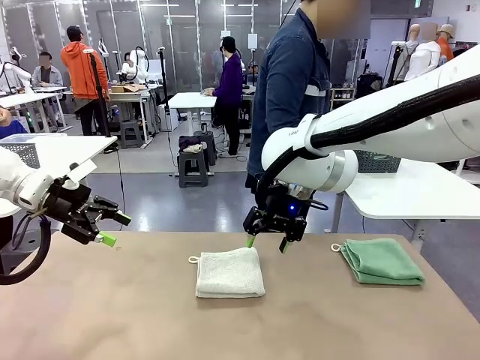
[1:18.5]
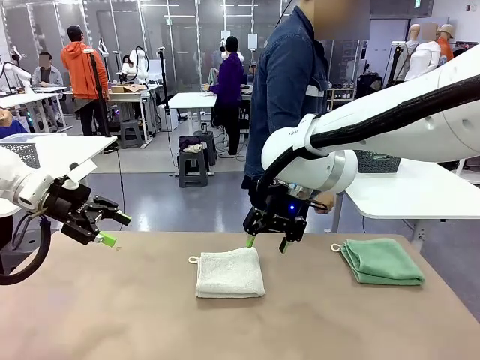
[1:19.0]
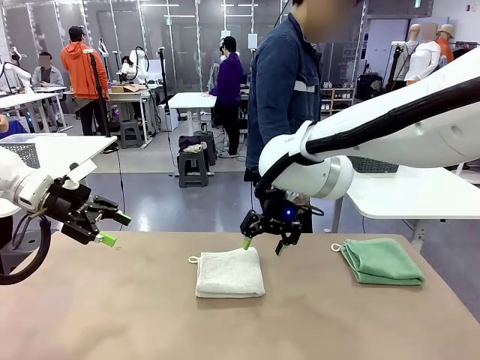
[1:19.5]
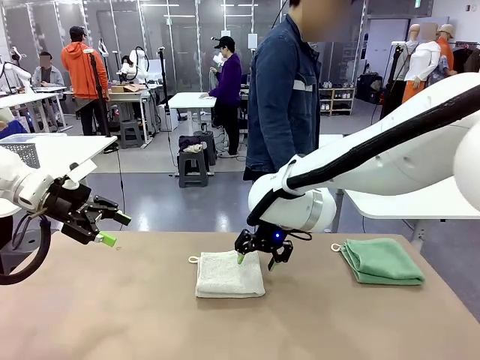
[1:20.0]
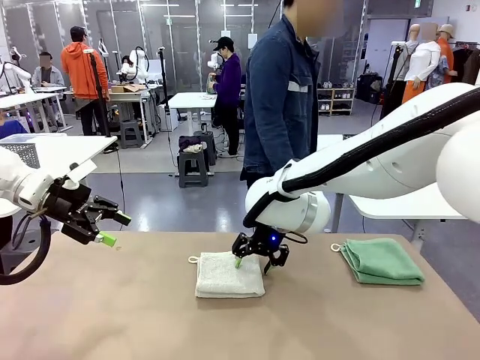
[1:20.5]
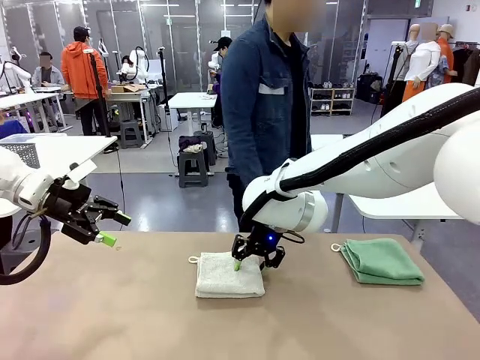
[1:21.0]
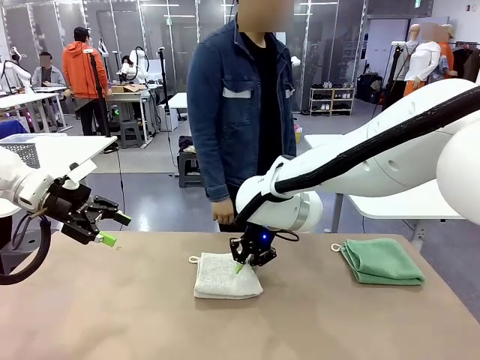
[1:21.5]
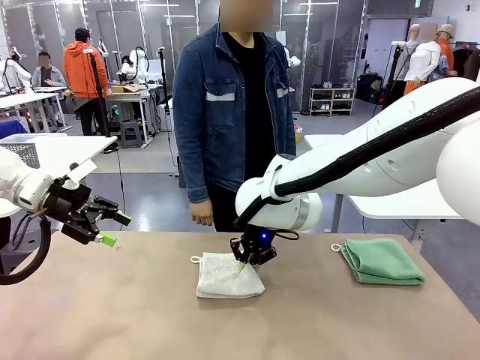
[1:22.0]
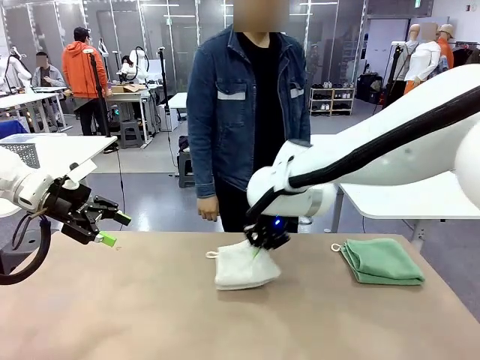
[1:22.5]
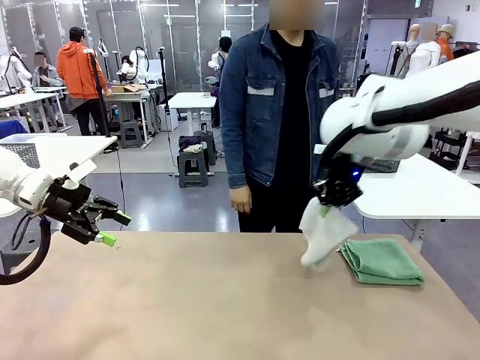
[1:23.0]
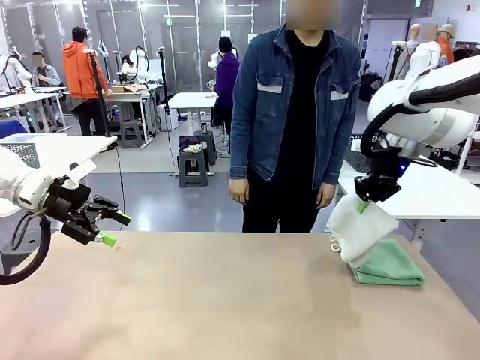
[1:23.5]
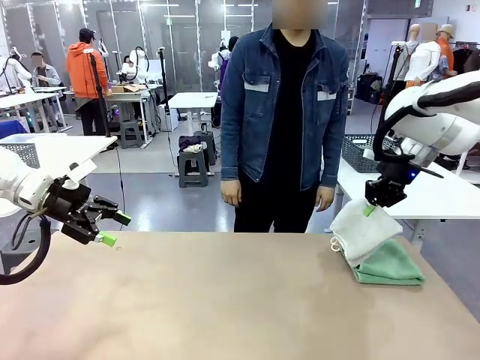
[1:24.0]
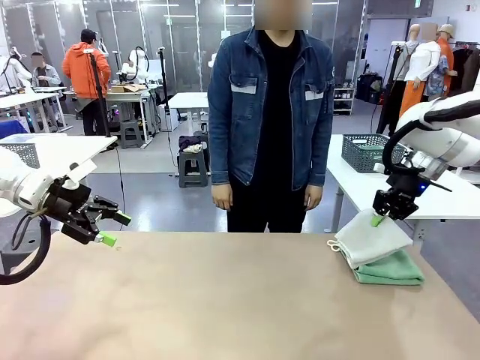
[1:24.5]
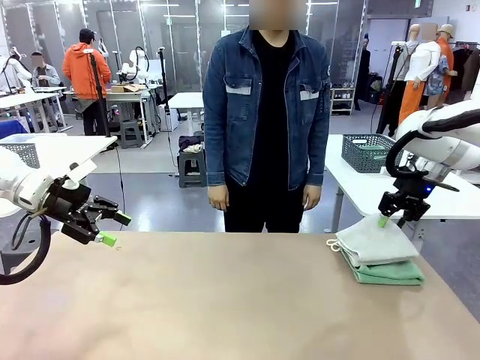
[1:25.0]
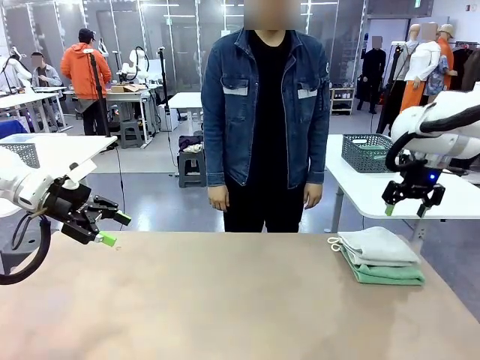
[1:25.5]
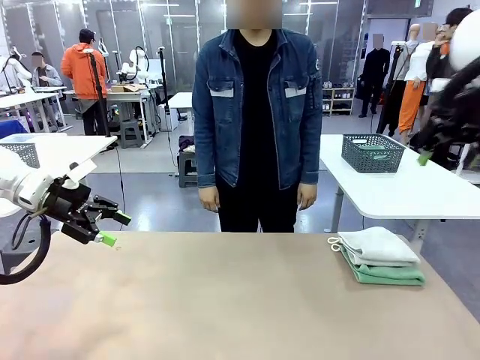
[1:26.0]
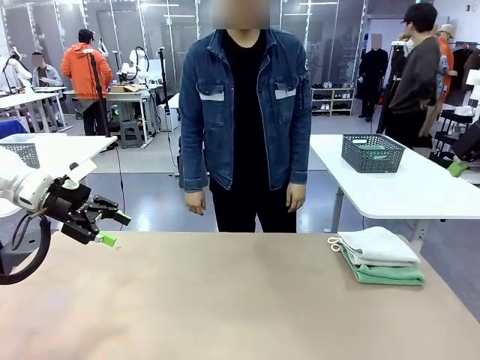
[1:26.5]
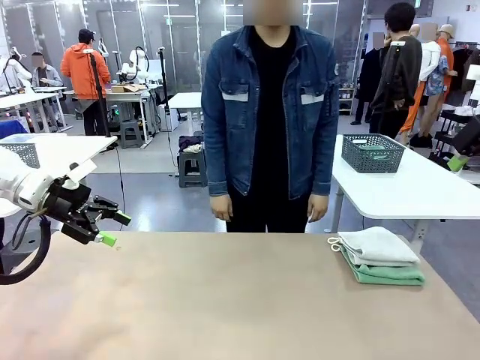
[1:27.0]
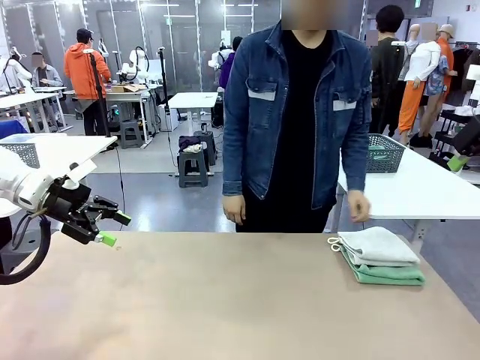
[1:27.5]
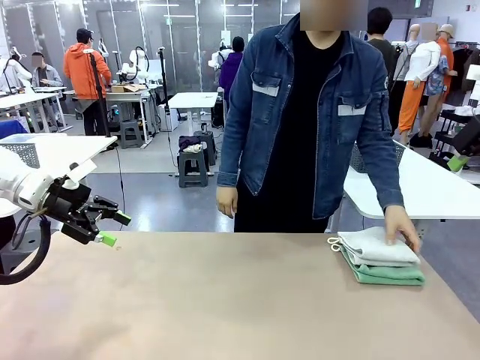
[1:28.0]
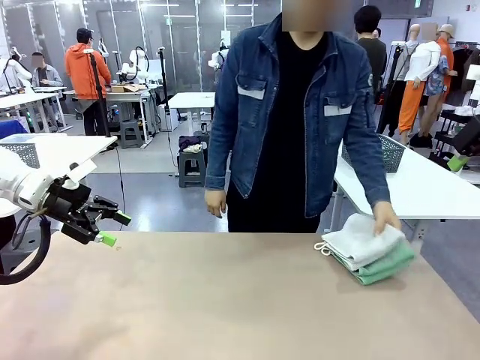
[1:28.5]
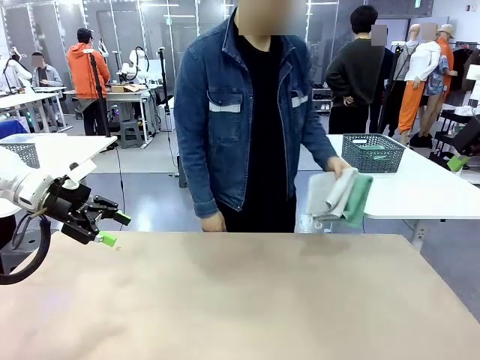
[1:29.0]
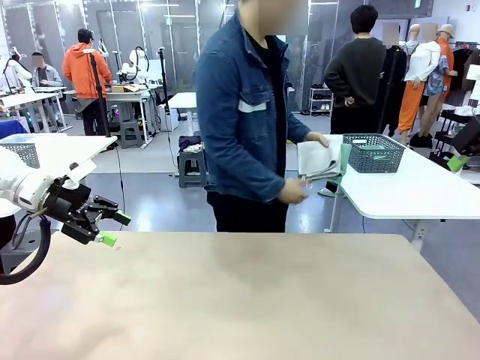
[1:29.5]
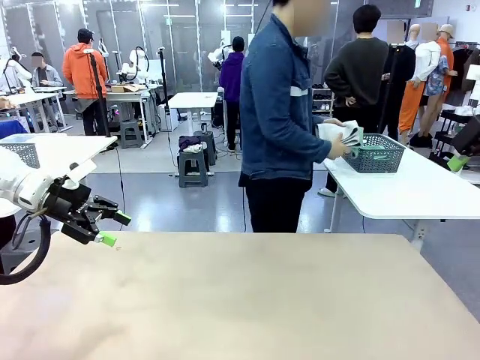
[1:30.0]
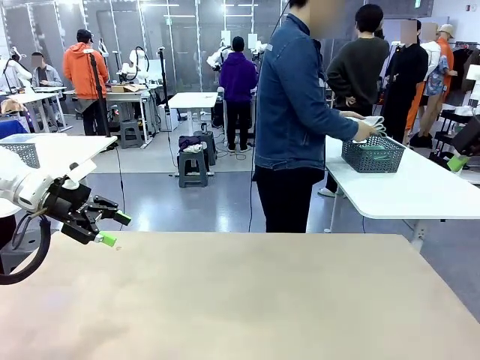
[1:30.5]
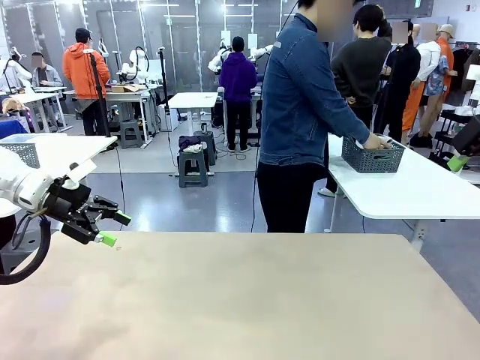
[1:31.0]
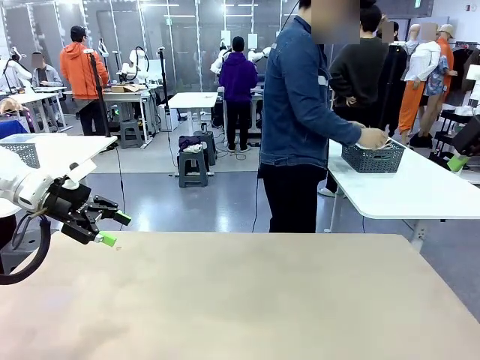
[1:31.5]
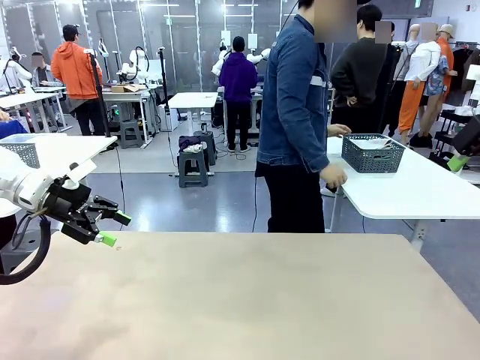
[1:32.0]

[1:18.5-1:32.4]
Task: Fold the towels and place them in the basket.
Robot: Stack the folded Towel with hook on the right side of the table.
Person: Pick up the stack of towels from the robot table and place it into the basket.

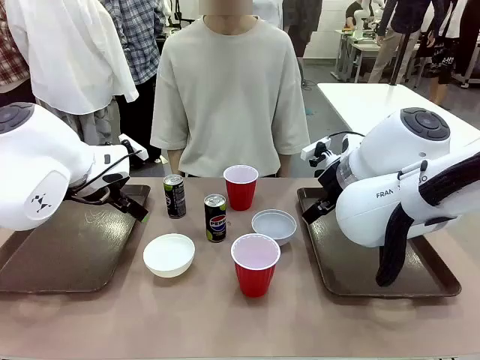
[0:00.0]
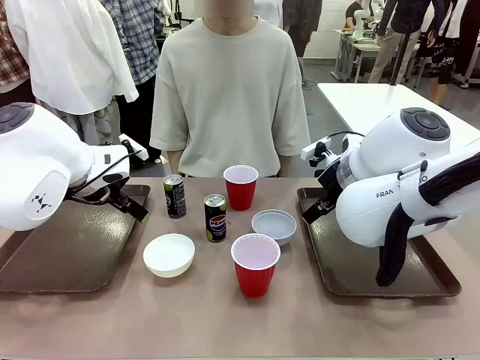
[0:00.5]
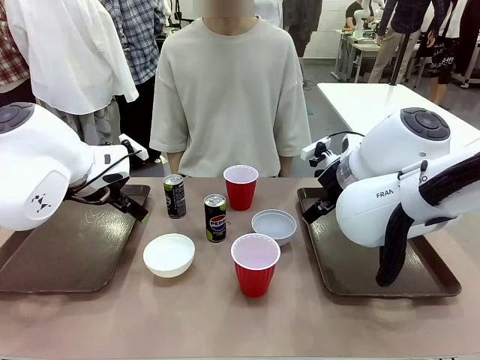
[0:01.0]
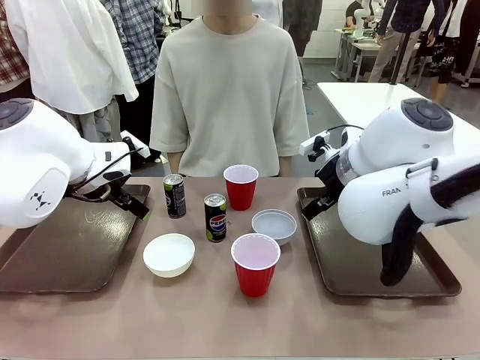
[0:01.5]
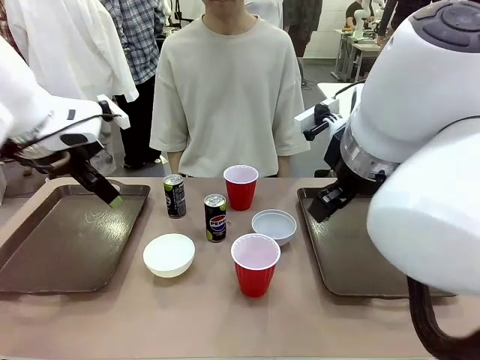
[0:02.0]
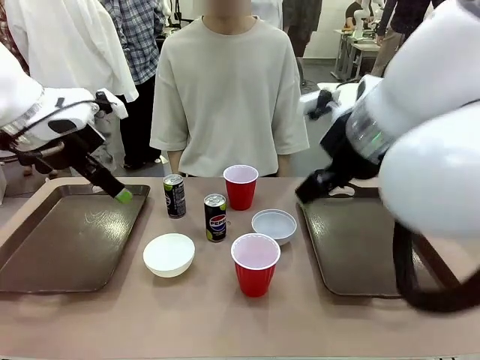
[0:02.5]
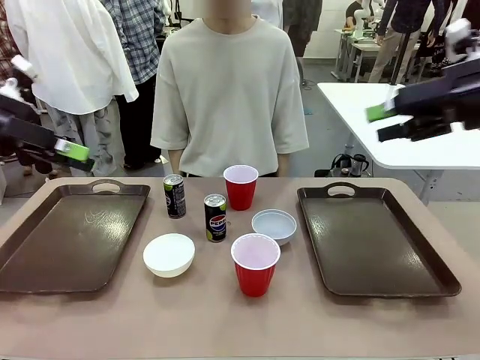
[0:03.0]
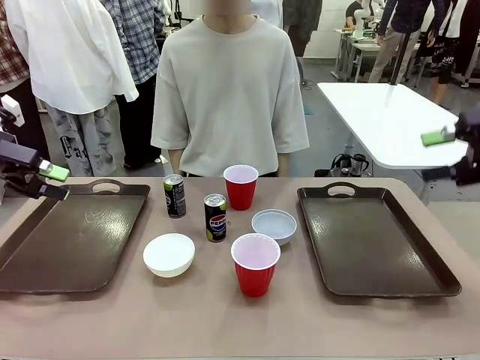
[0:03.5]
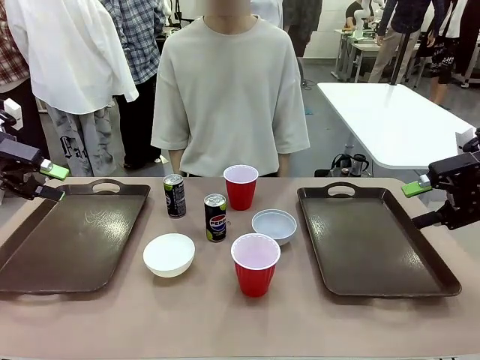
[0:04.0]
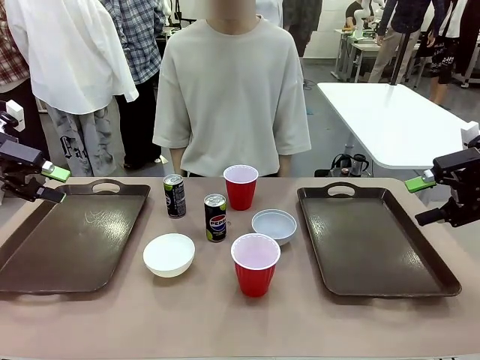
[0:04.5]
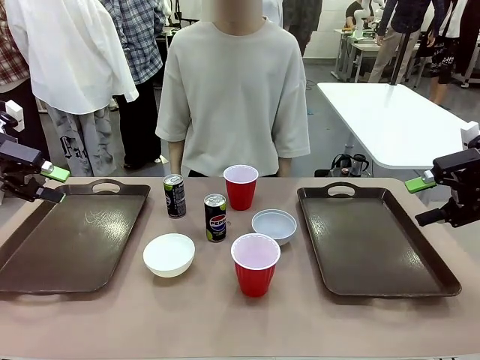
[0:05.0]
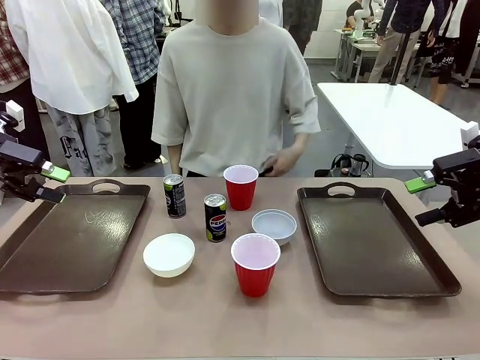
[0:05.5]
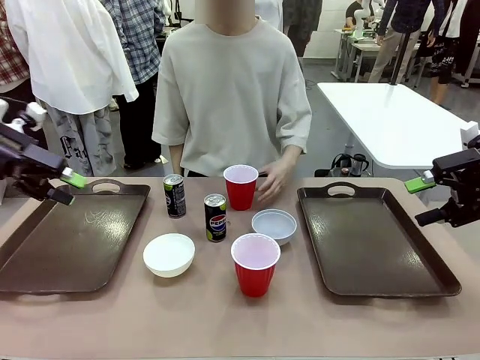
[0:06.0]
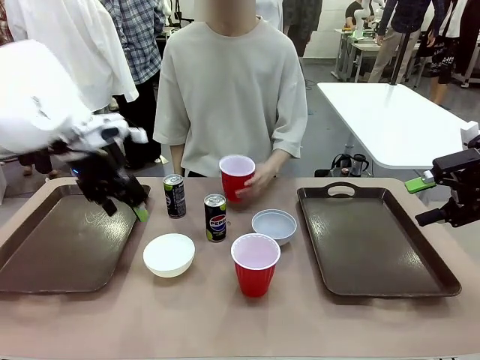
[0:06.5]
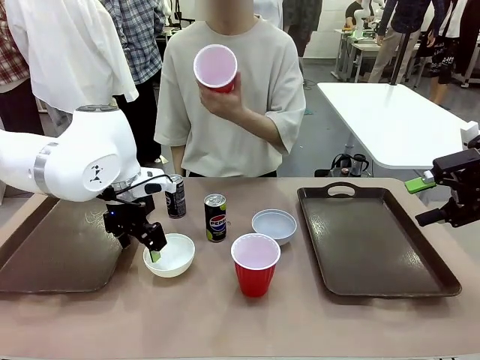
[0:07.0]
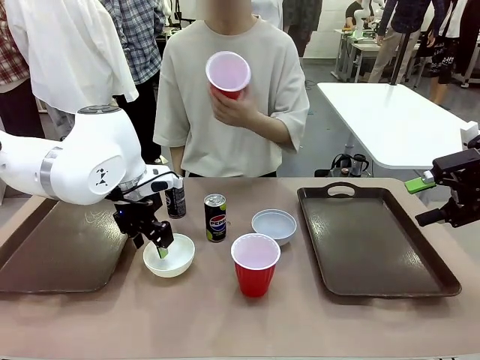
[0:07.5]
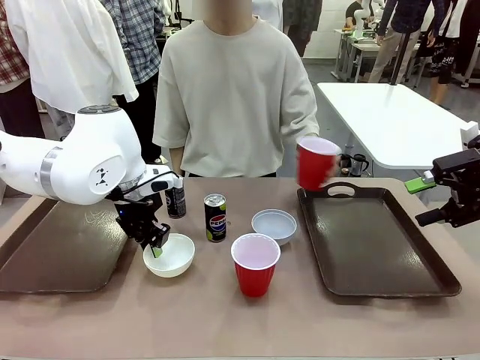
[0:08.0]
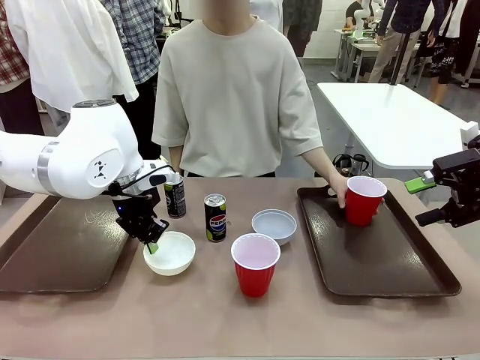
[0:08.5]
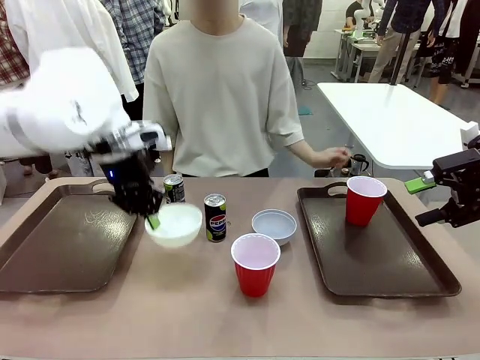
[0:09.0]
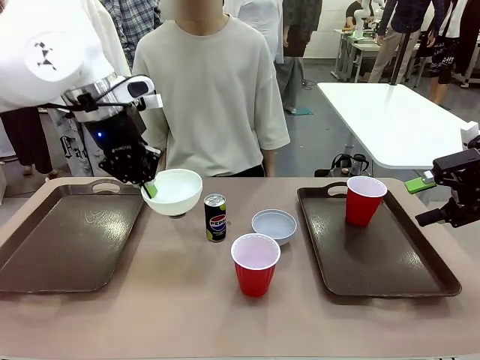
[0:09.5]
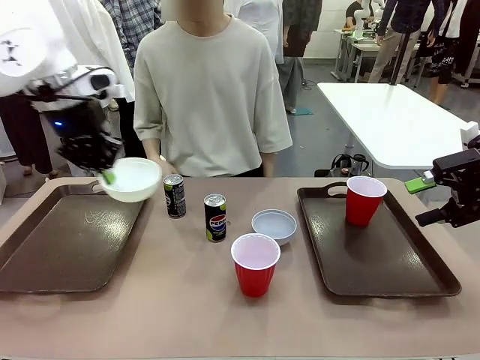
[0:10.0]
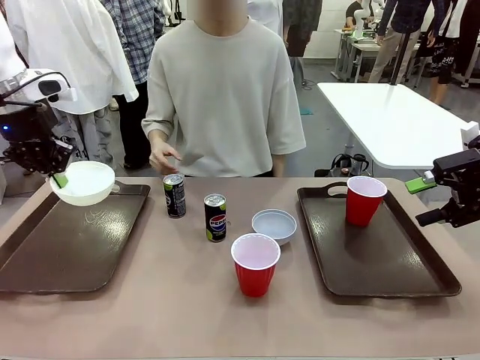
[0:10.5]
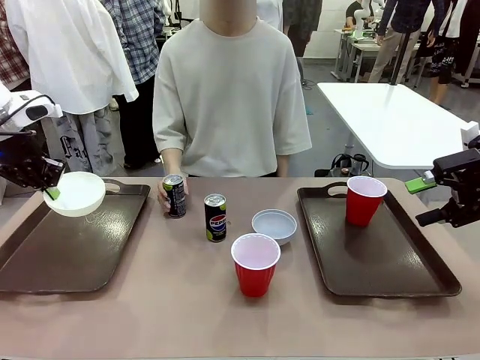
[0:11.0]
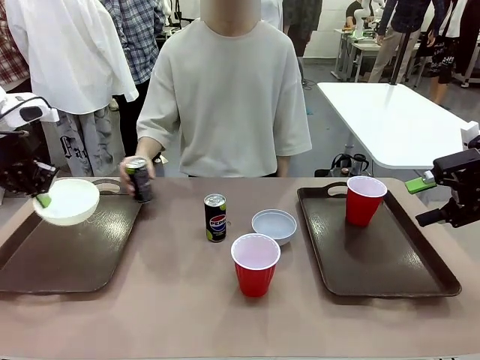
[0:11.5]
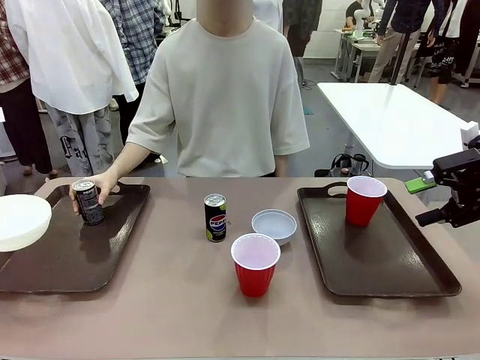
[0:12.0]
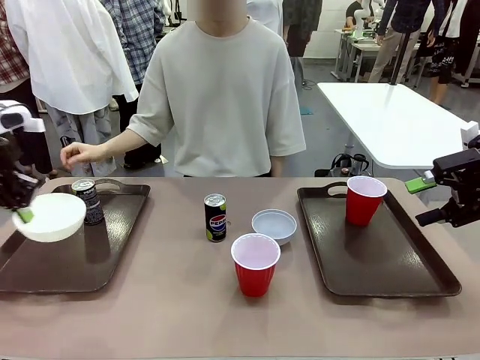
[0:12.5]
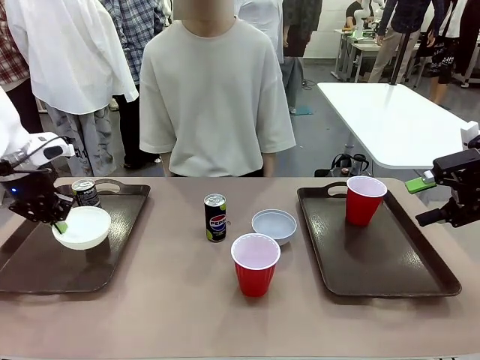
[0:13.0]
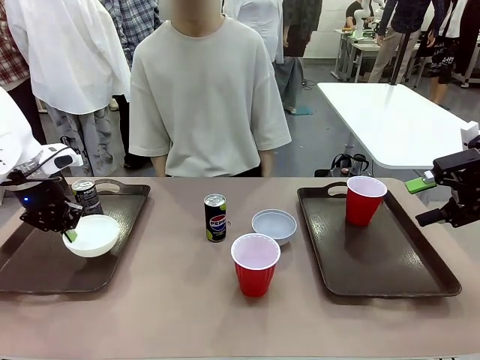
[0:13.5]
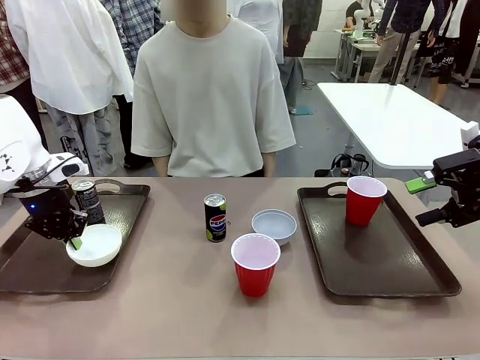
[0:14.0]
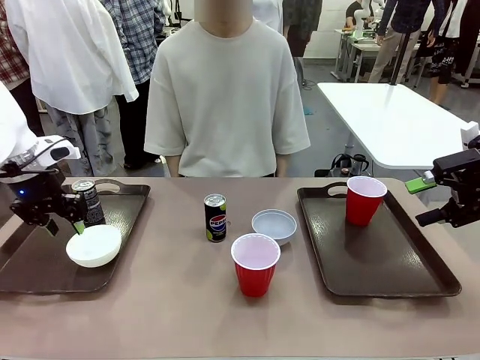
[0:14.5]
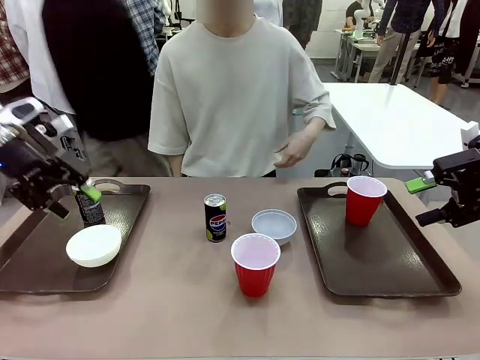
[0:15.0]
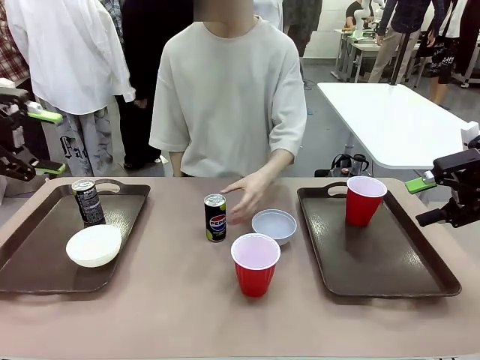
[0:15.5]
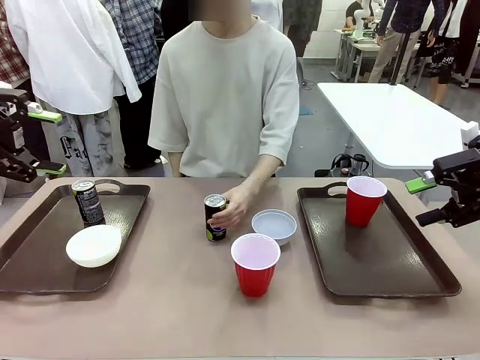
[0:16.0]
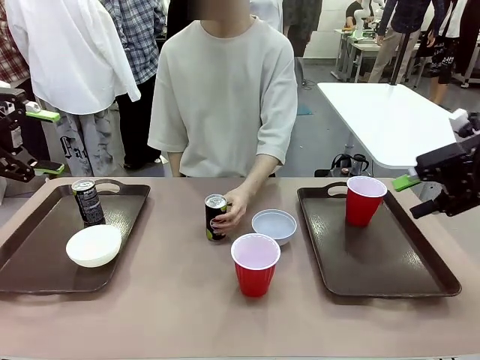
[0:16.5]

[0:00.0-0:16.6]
Task: Prepare tableware on both trays.
Robot: Pick up a Picnic Bowl from the table and place it on a Handle tray.
Person: Pick up a can or cup and place it on the tray.
